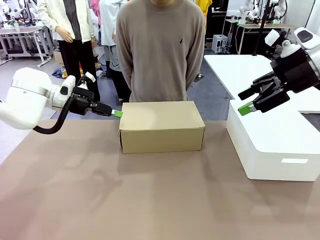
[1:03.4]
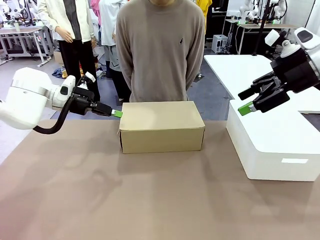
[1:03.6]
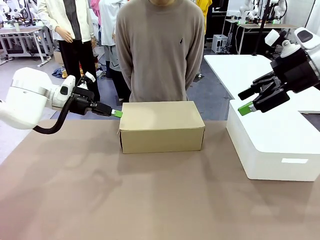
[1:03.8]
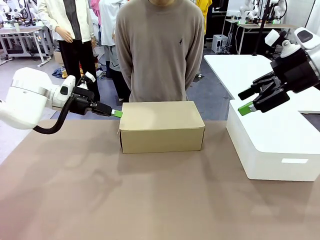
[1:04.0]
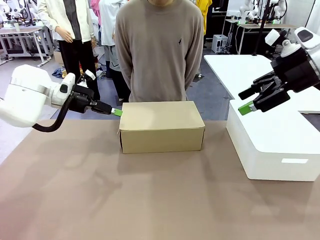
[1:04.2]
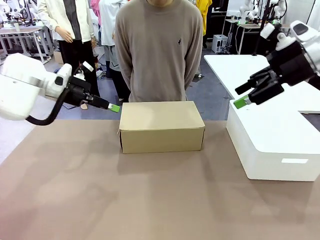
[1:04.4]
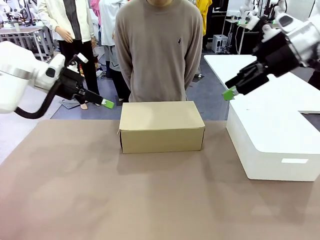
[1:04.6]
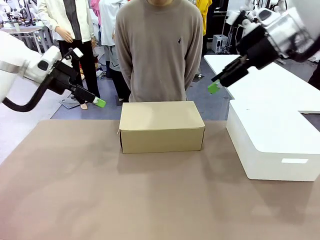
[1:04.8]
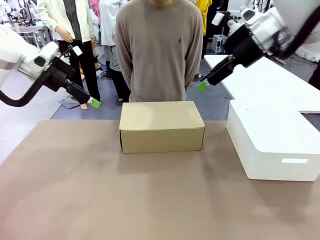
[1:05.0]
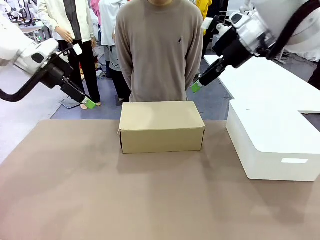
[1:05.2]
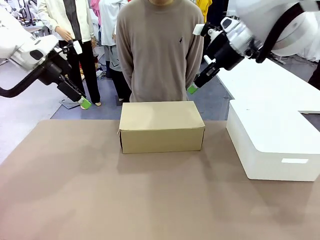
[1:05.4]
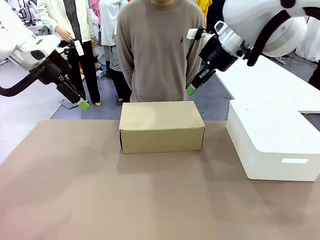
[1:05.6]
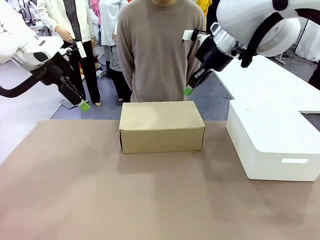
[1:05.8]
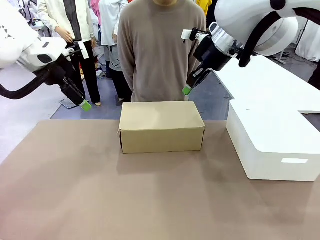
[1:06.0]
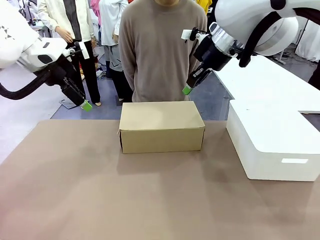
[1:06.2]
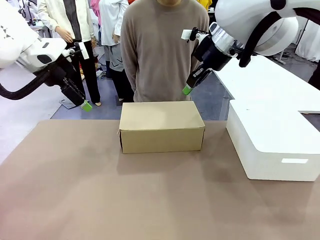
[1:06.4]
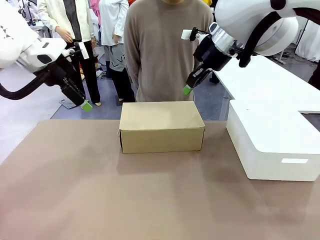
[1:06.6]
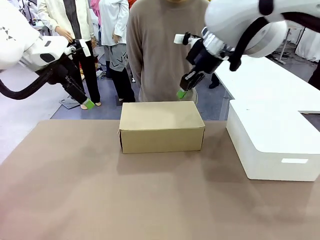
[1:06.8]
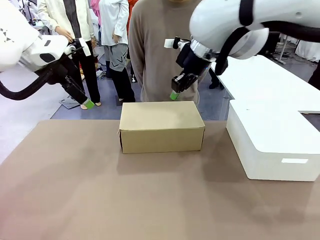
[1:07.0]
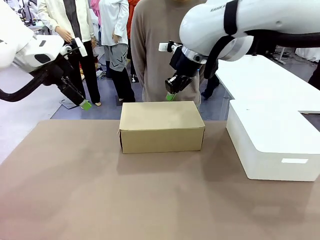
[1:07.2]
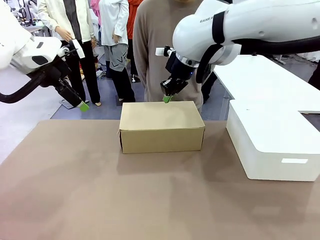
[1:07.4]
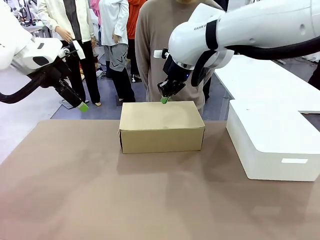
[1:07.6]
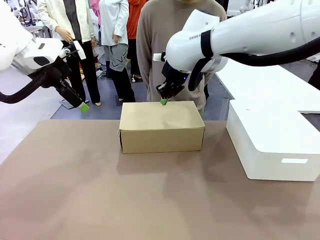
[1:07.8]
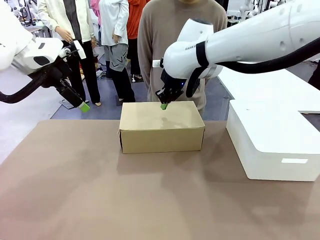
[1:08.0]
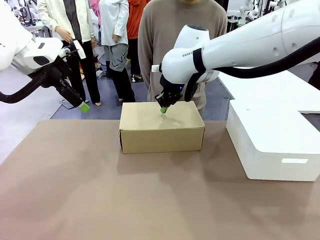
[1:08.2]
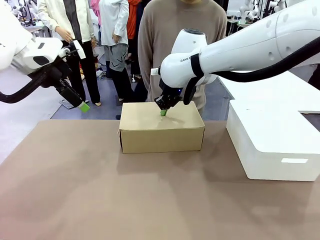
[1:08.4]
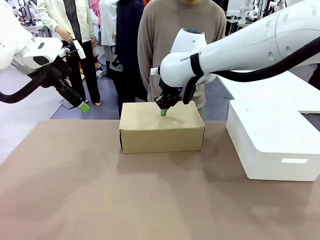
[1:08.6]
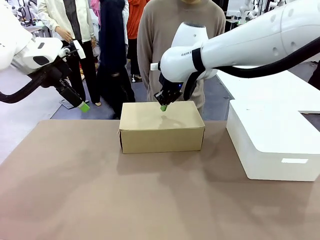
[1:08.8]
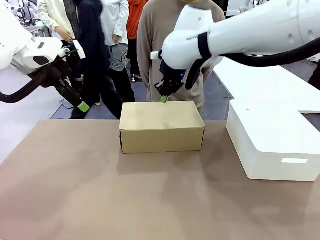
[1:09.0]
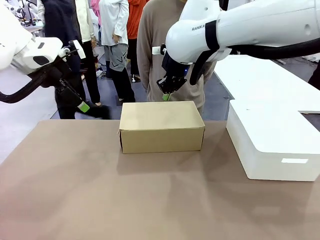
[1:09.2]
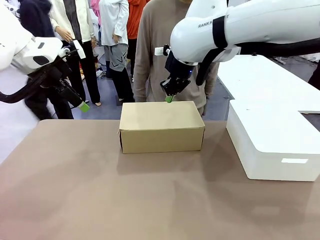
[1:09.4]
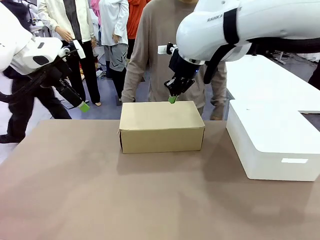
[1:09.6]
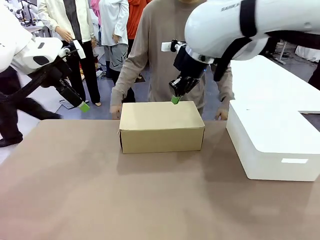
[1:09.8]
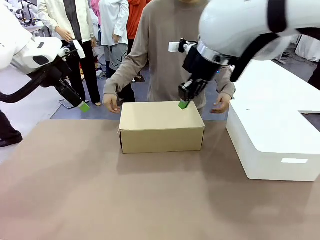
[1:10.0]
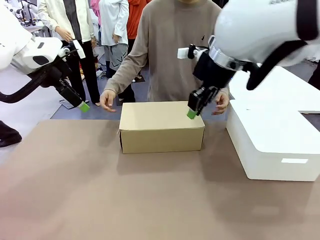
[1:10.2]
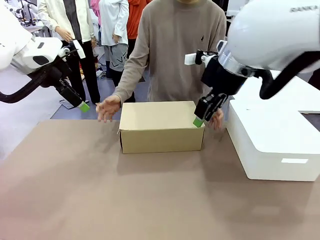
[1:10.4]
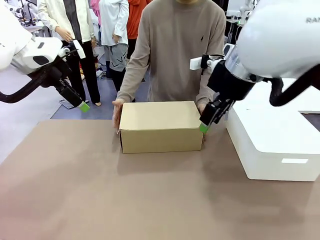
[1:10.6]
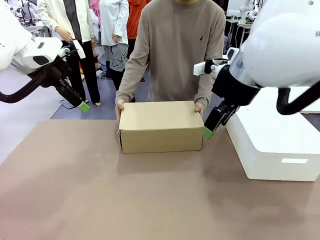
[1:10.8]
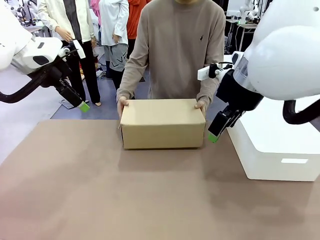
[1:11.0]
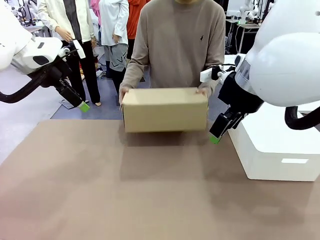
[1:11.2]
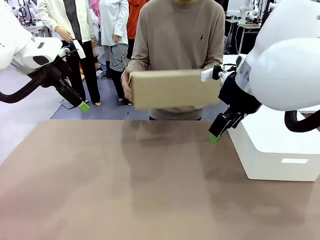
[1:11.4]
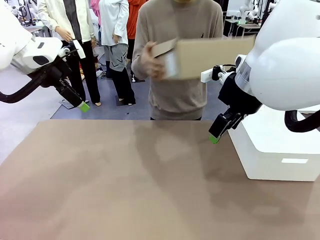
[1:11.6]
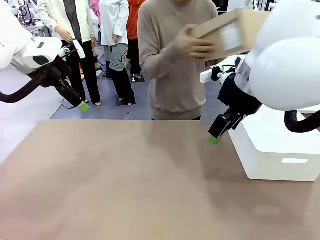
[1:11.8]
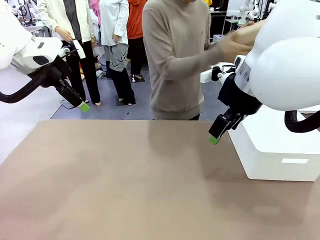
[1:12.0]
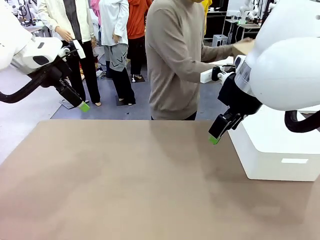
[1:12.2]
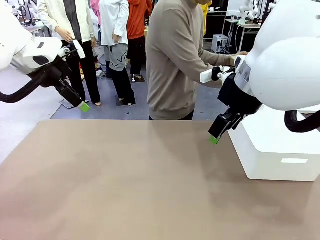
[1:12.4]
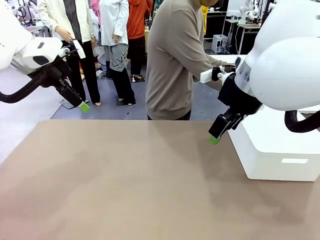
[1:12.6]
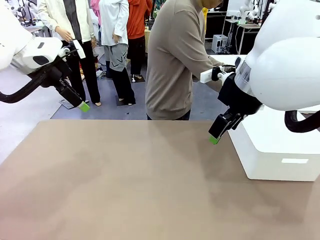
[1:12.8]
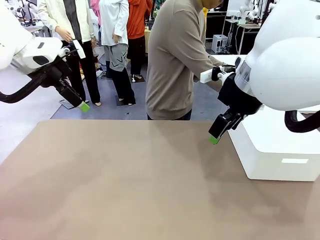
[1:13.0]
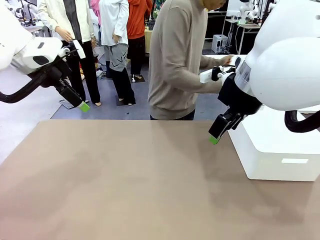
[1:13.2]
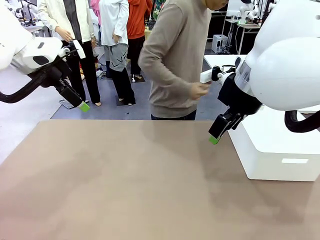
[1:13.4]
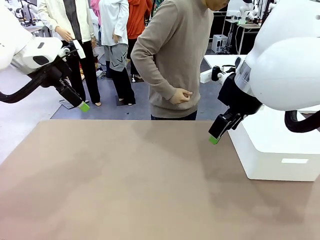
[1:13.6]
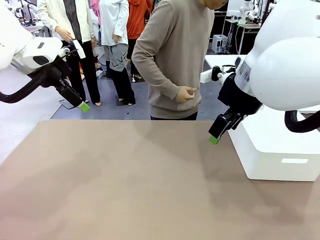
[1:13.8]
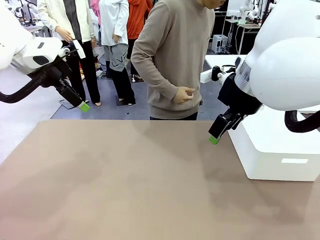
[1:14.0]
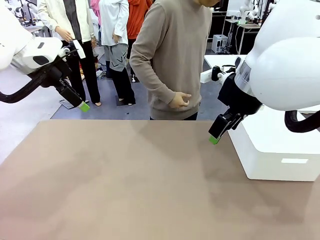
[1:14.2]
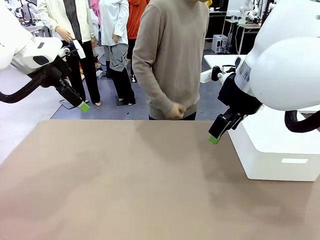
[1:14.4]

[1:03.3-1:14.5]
Task: Pack the shoes into the box.
Robot: Press down on the lid of the Shoes Box.
Person: Place the closed Shoes Box to the right side of the human table.

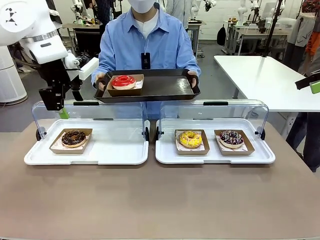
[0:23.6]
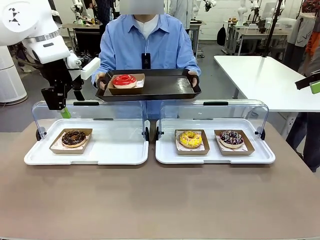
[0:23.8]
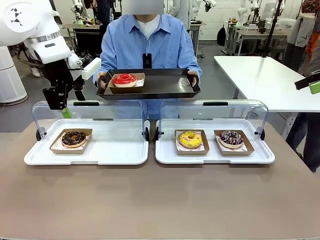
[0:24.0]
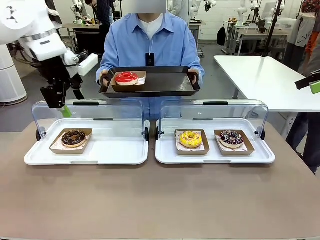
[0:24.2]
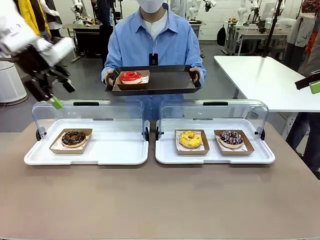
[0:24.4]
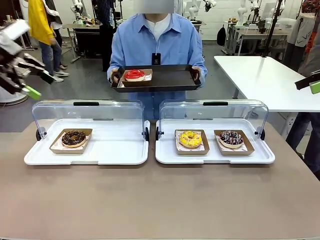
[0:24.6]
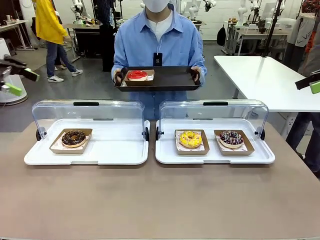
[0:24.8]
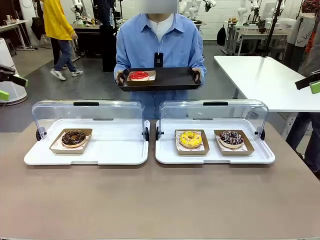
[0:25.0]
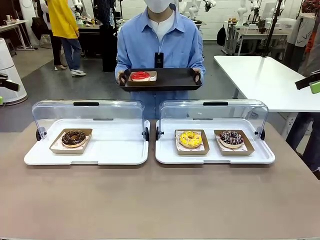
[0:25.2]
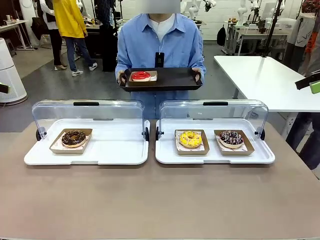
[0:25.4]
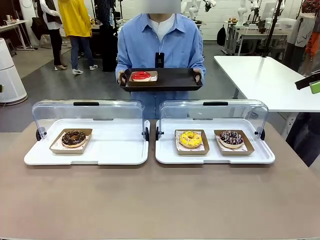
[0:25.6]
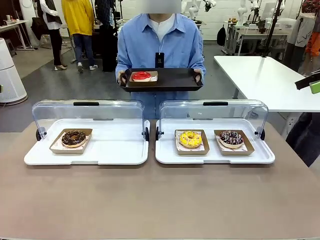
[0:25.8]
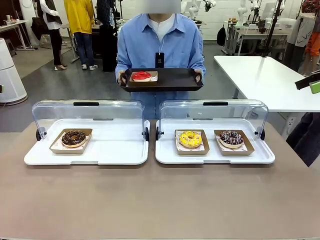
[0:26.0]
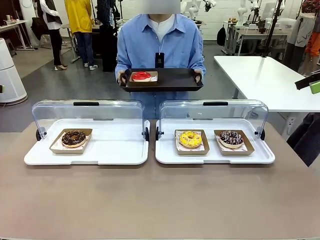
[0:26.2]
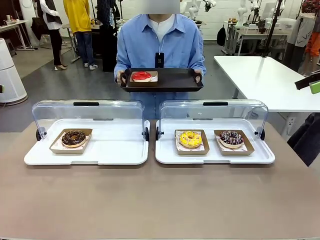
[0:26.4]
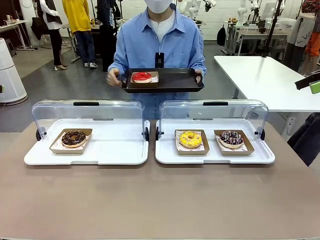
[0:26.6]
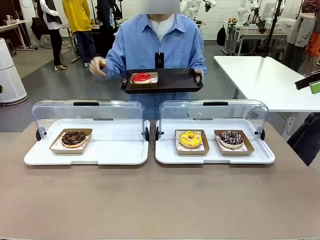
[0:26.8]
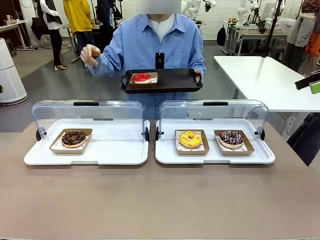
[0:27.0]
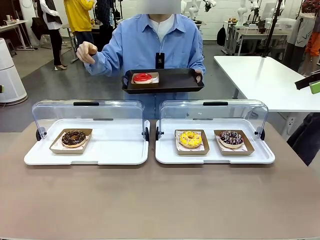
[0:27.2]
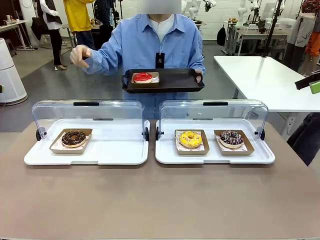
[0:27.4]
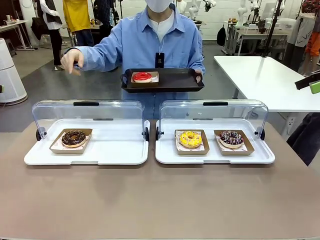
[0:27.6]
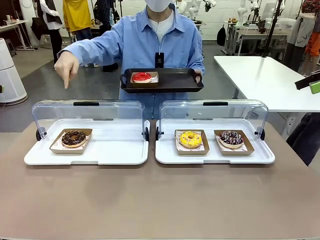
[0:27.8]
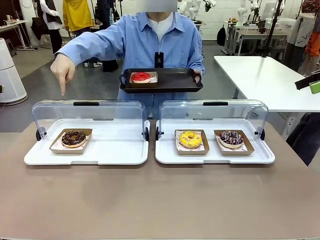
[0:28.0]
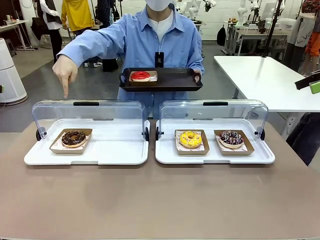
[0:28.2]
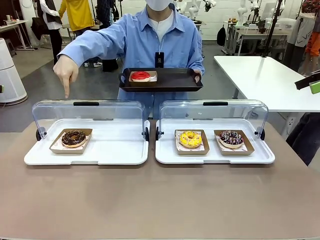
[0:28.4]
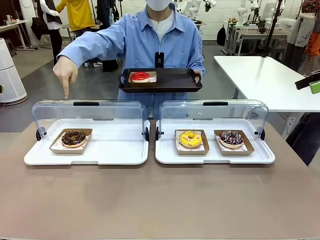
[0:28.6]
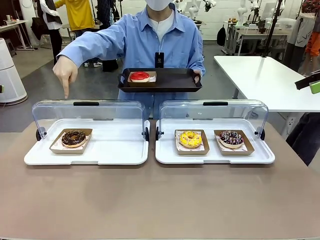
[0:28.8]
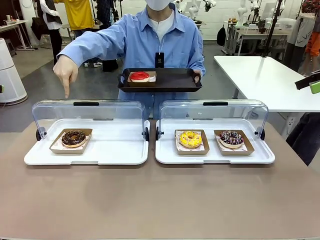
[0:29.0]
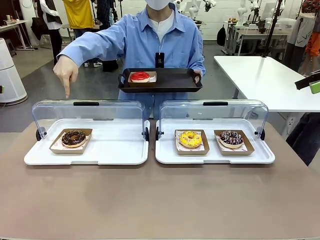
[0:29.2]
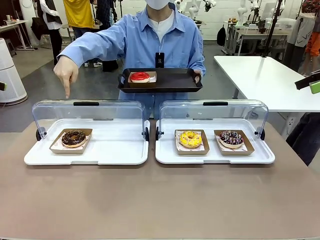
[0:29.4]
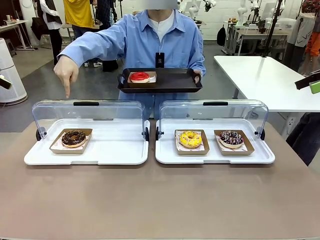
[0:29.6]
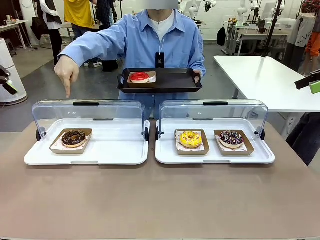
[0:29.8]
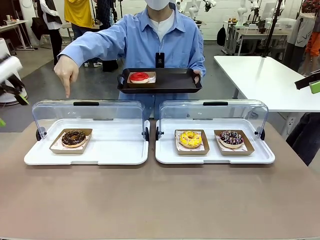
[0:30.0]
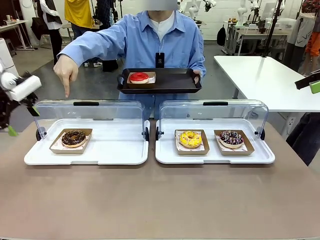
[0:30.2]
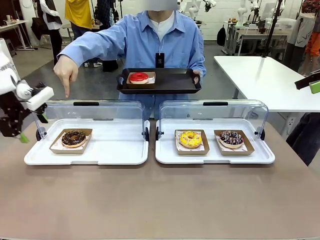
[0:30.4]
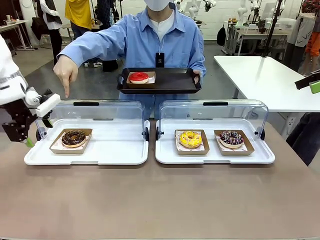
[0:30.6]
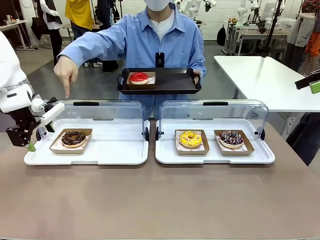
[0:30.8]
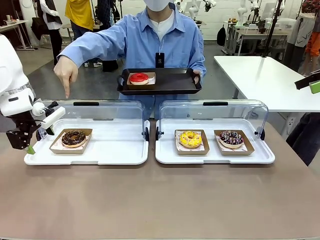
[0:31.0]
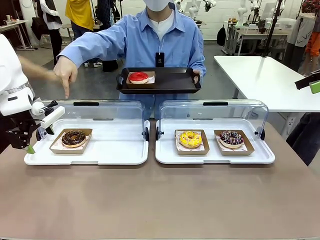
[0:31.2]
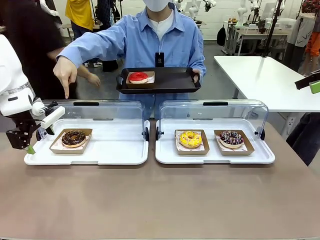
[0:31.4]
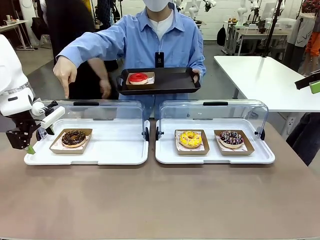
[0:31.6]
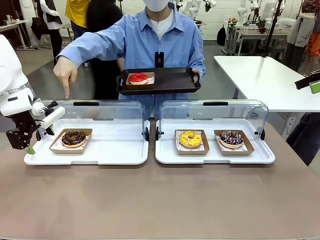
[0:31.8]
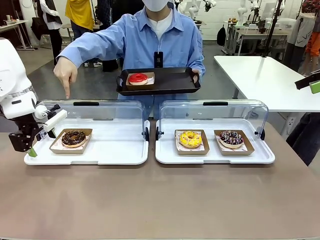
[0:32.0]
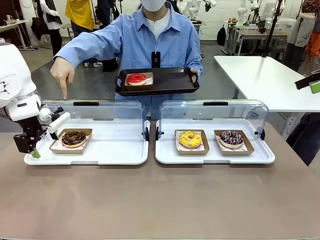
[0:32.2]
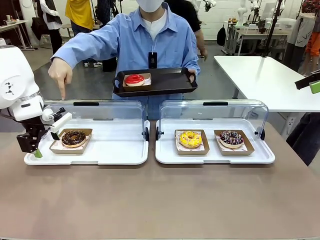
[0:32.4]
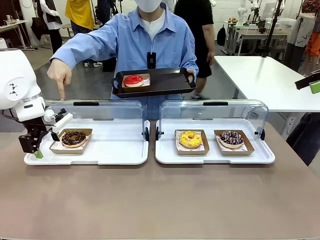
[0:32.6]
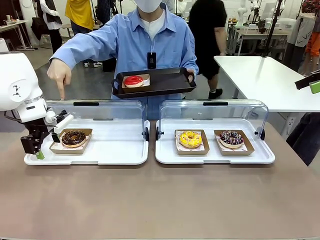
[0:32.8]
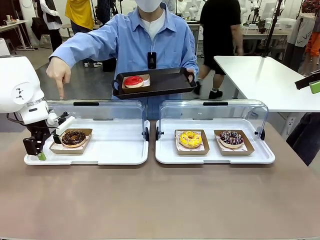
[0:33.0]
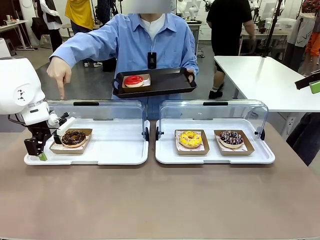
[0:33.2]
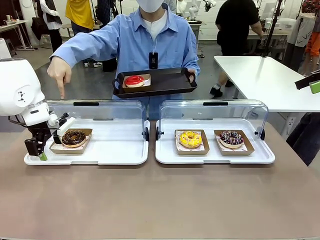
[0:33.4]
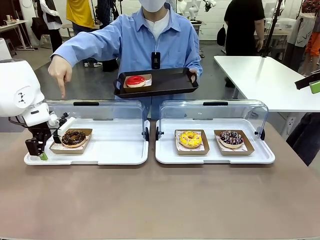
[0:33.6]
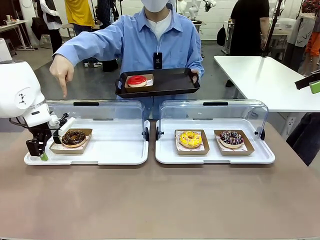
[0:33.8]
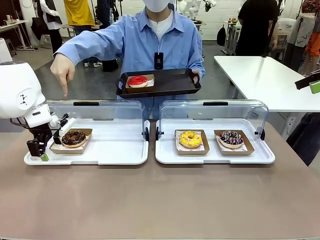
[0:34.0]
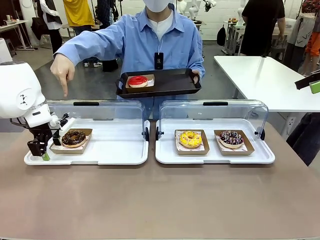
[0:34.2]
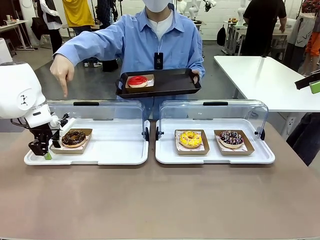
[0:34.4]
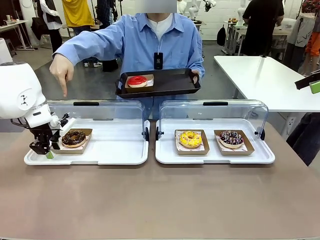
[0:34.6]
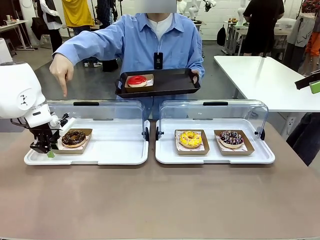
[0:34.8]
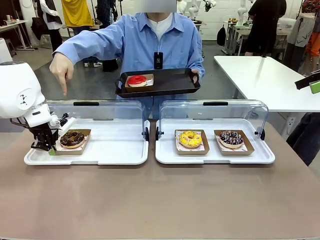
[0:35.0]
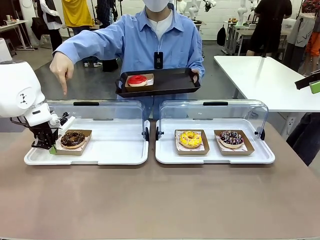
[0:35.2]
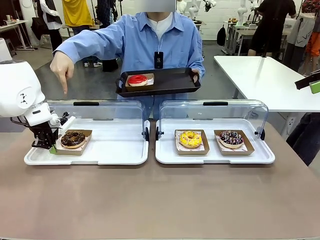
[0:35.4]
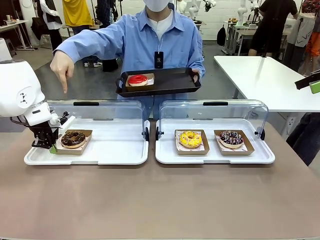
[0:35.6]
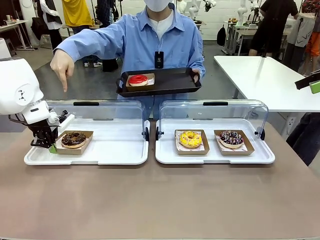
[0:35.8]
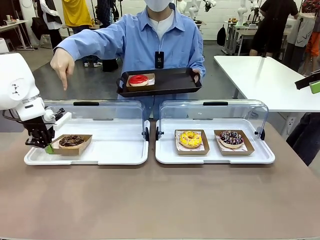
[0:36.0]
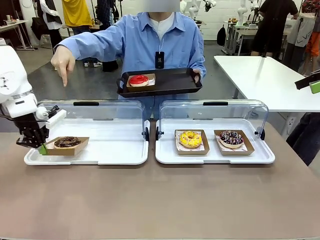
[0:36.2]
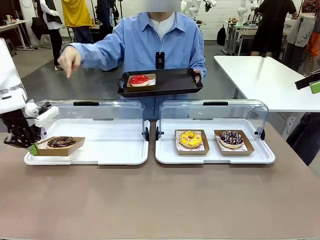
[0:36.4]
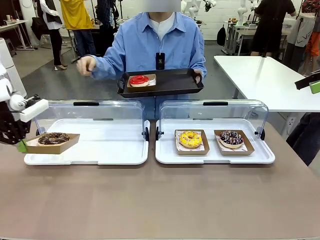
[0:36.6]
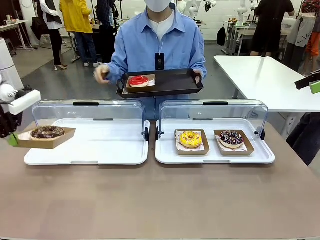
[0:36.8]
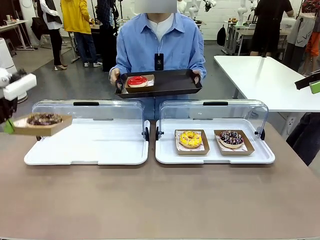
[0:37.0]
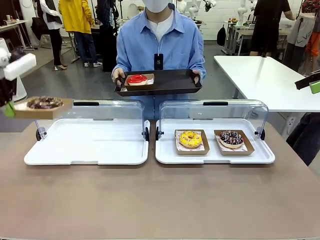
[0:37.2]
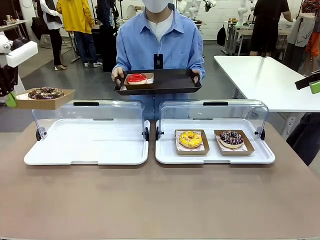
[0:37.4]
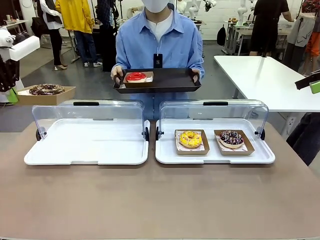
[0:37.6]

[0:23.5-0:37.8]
Task: Provide the desired donut to the person.
Robot: Pick up and lift the Paper togo box containing the Donut pointed at by the person.
Person: Point to one donut.
